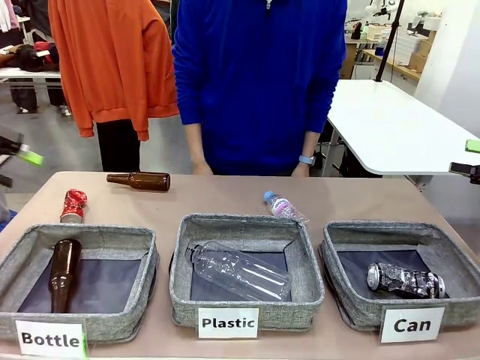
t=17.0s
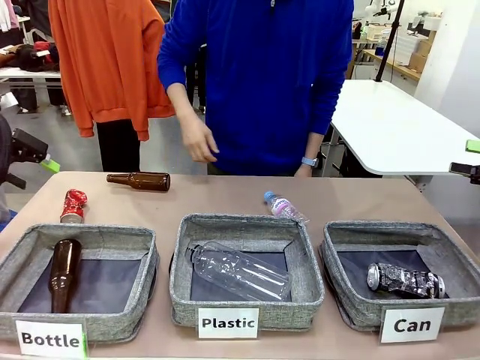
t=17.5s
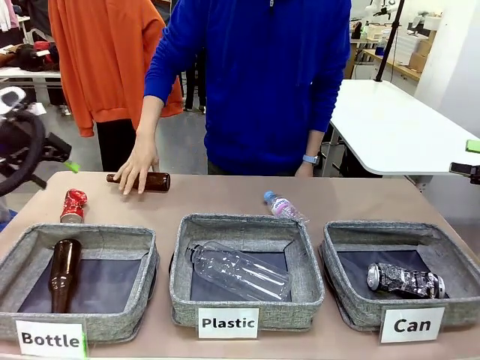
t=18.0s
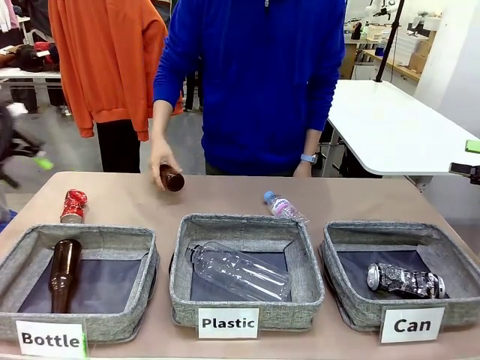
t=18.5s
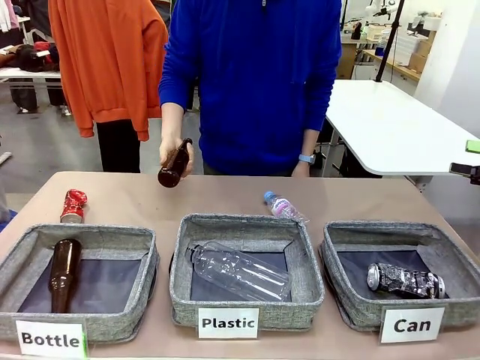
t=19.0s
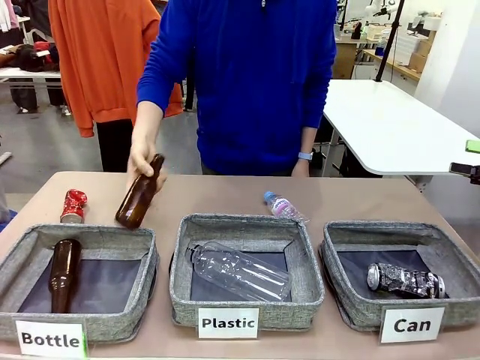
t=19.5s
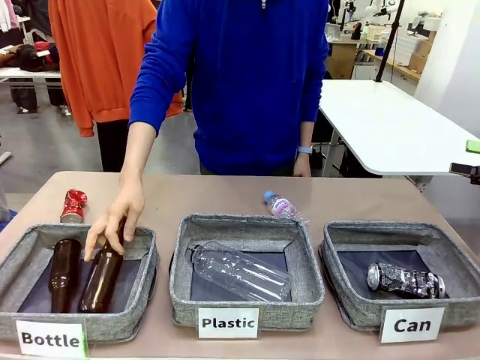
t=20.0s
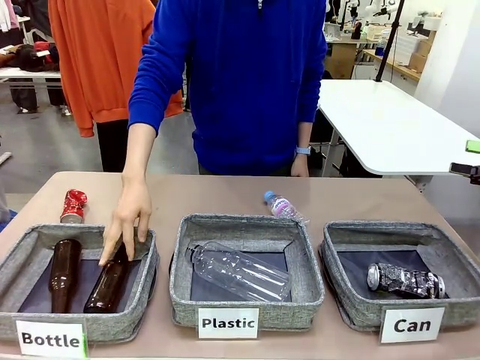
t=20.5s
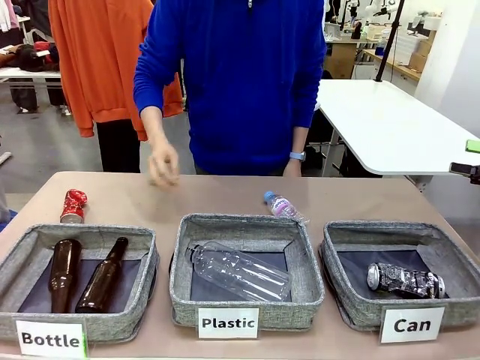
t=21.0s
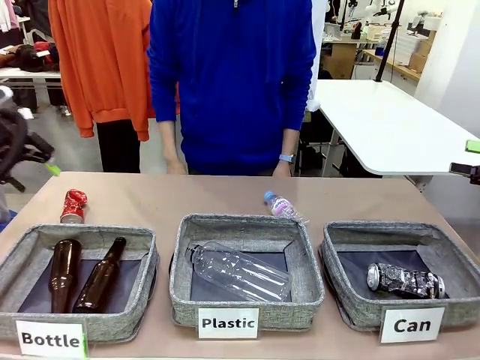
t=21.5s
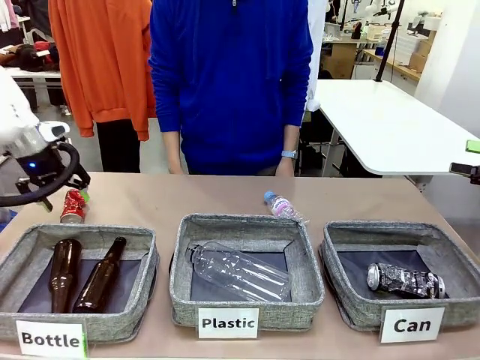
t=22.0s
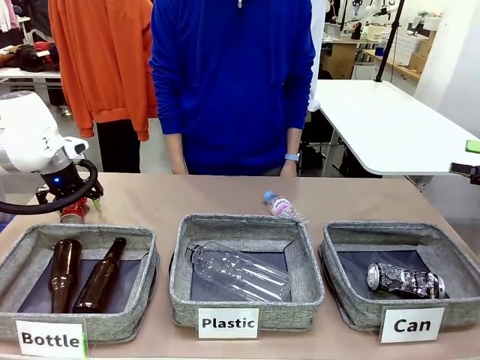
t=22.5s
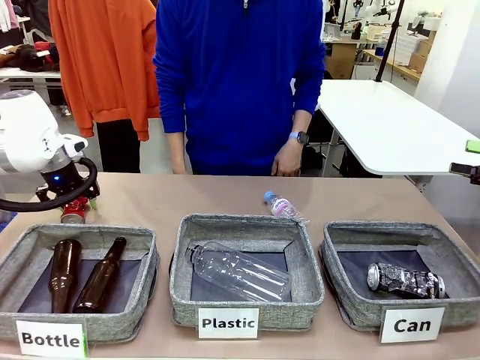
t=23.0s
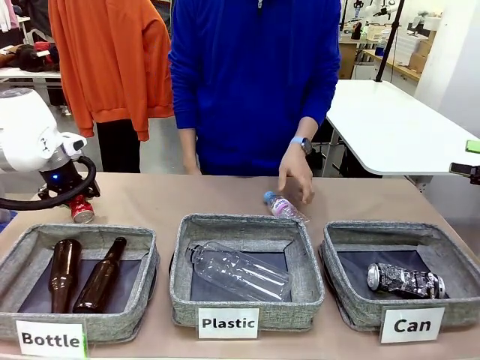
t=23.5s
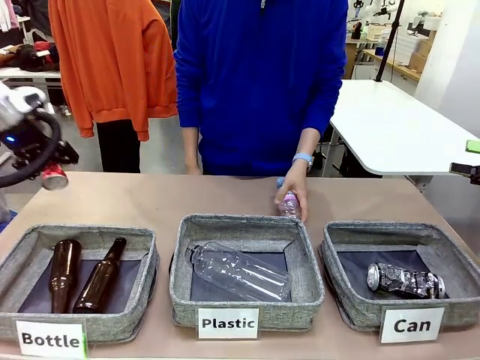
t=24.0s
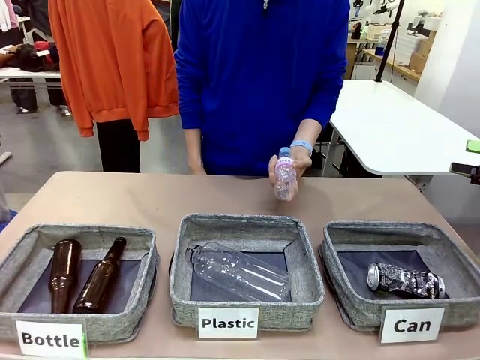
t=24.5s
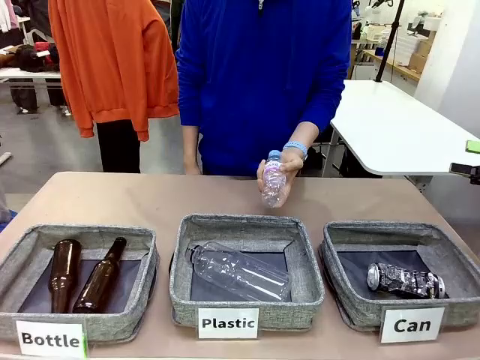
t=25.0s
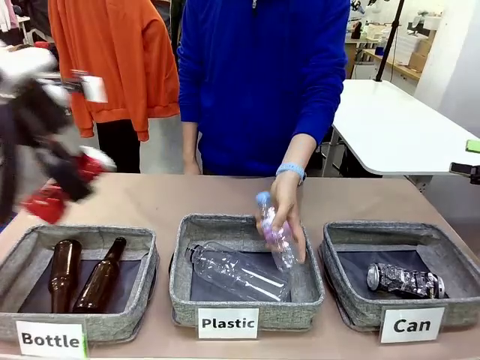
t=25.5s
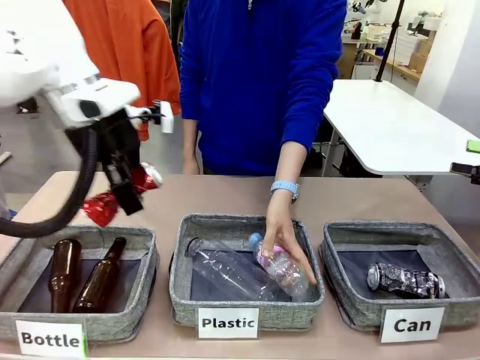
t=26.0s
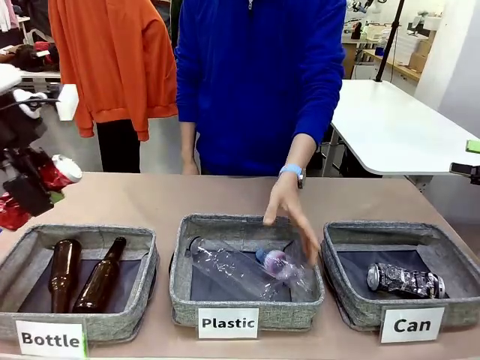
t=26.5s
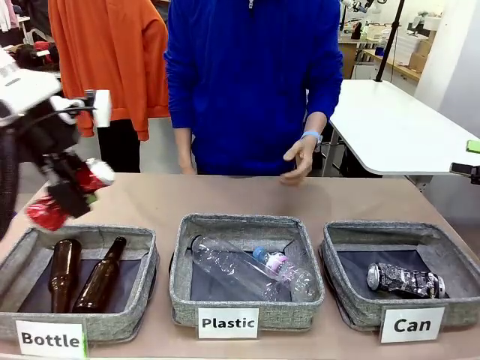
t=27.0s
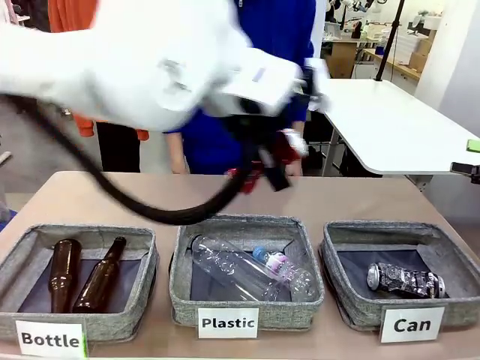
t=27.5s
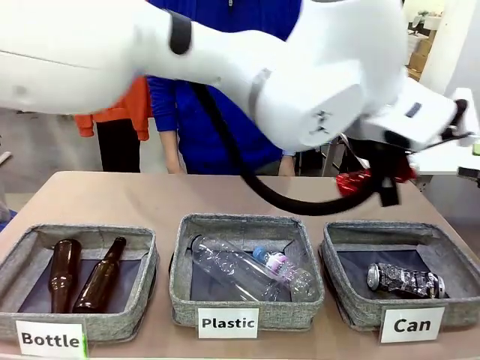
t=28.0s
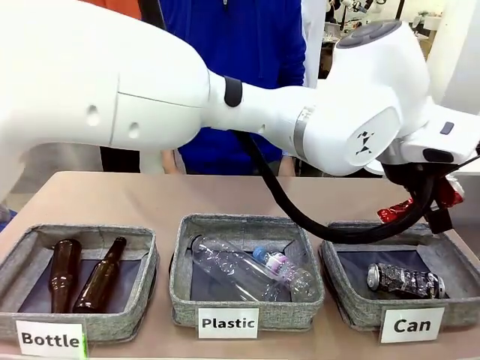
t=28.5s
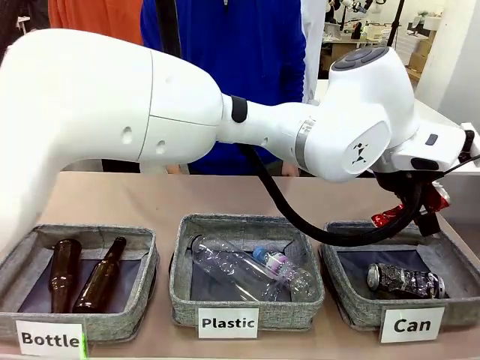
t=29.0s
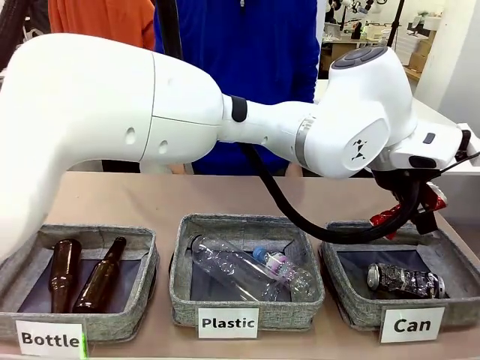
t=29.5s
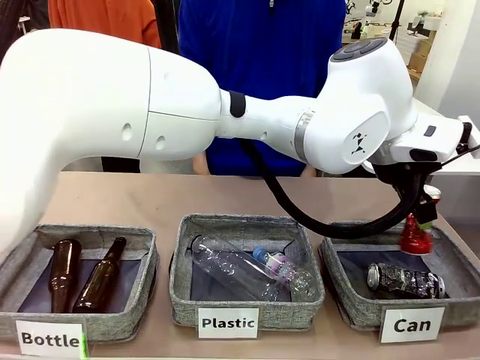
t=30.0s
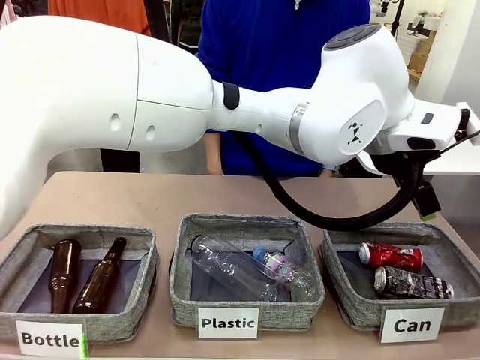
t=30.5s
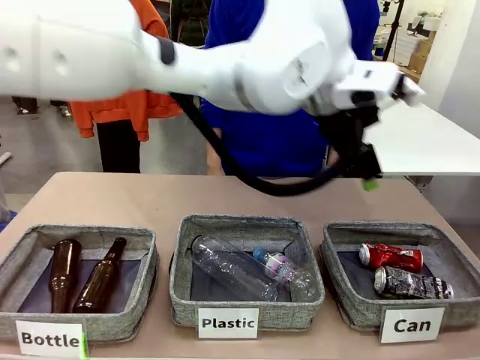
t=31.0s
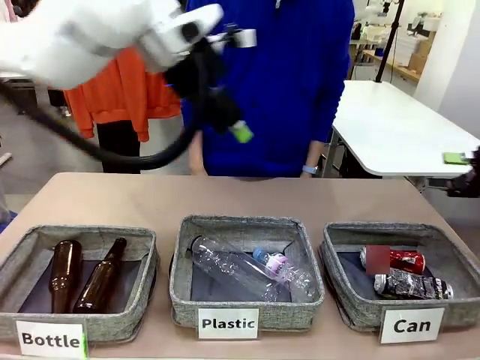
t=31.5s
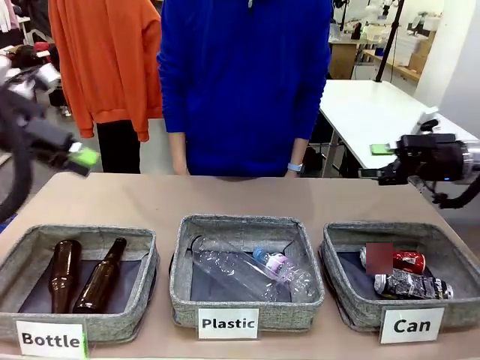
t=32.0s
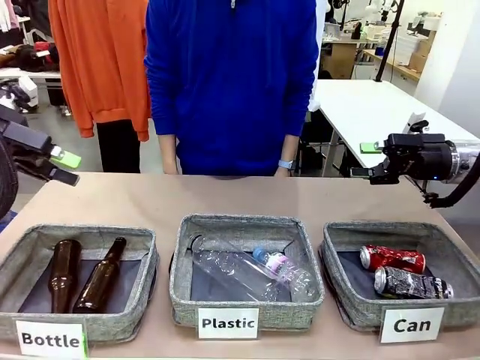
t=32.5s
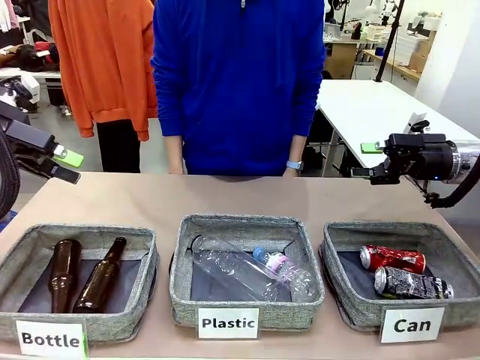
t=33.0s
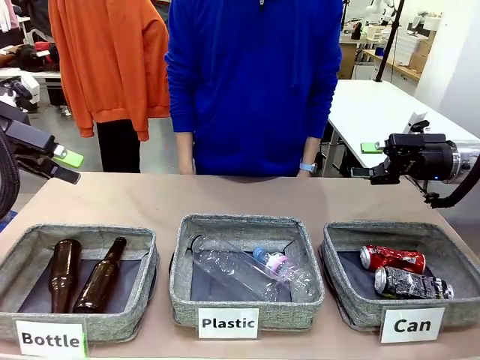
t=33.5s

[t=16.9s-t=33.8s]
Task: Sort the can waste into the basket.
Robot: Pick up the can waste from the table and place it in the right Fabric basket.

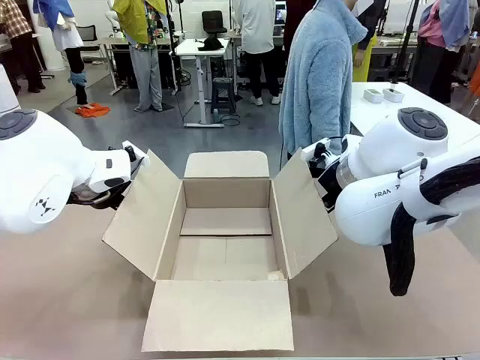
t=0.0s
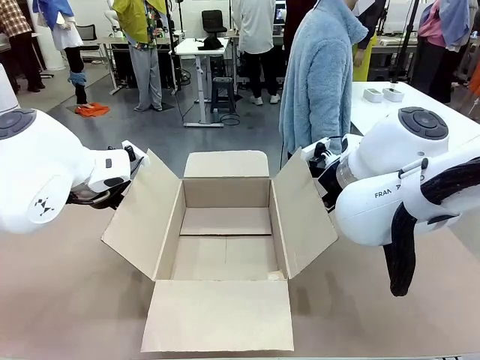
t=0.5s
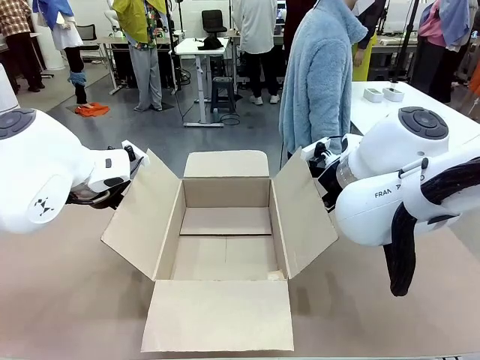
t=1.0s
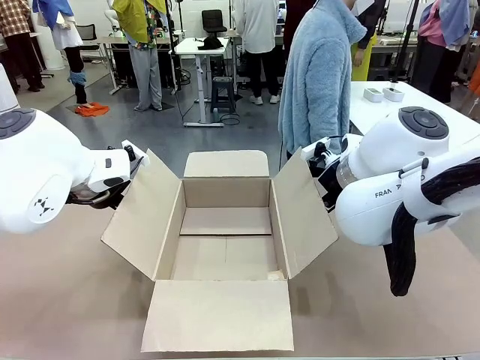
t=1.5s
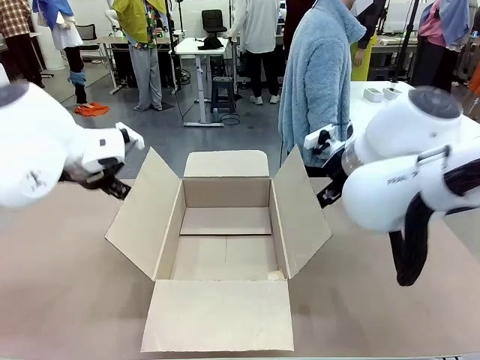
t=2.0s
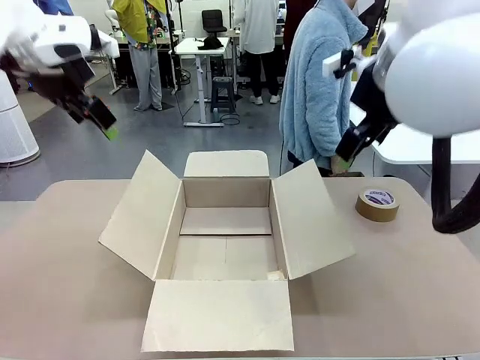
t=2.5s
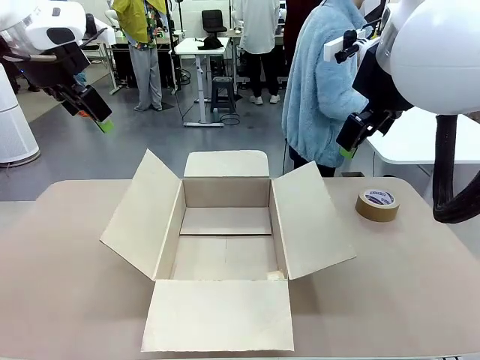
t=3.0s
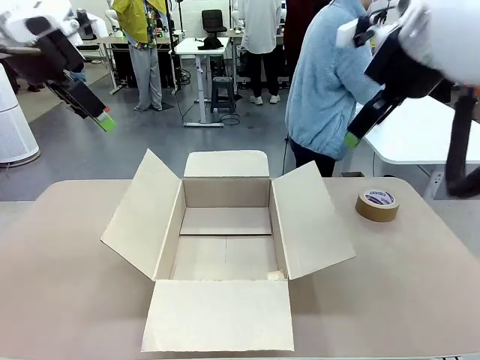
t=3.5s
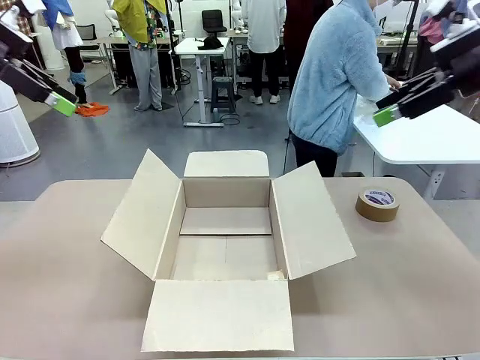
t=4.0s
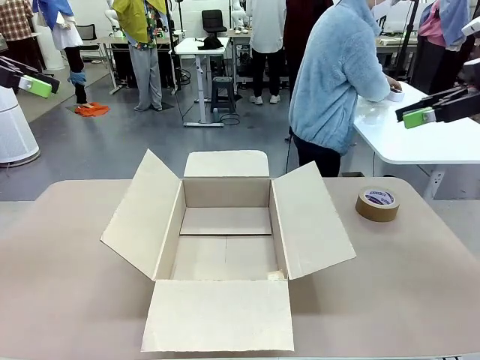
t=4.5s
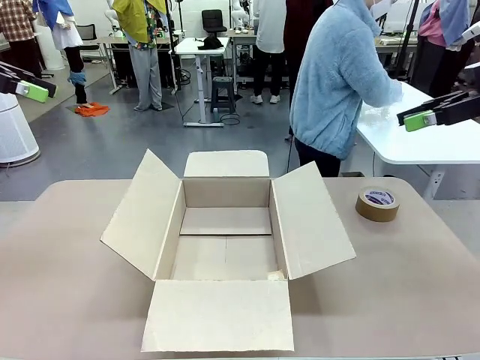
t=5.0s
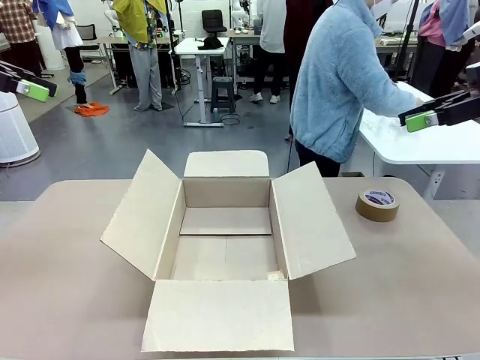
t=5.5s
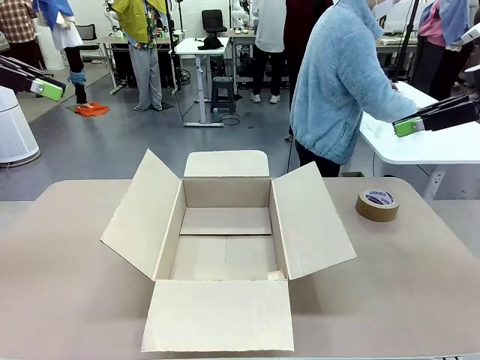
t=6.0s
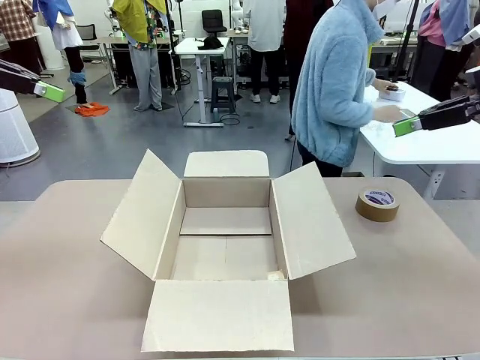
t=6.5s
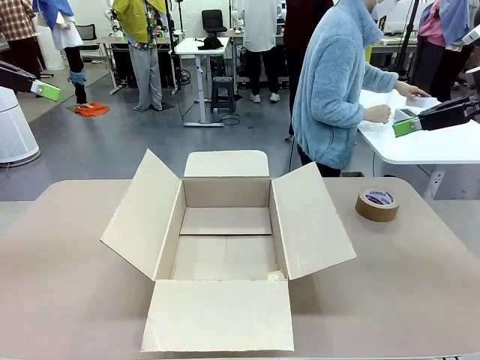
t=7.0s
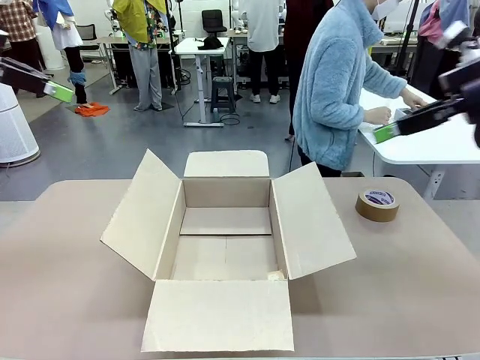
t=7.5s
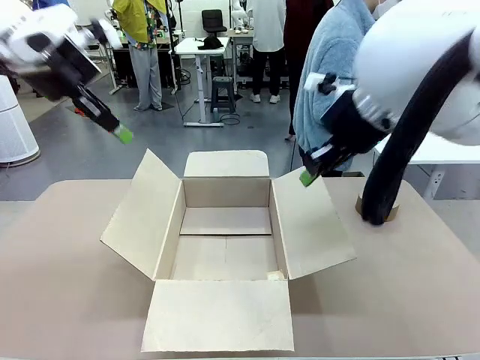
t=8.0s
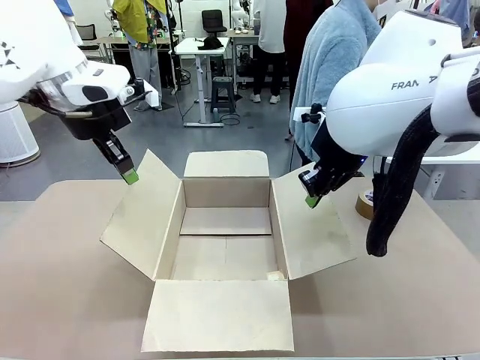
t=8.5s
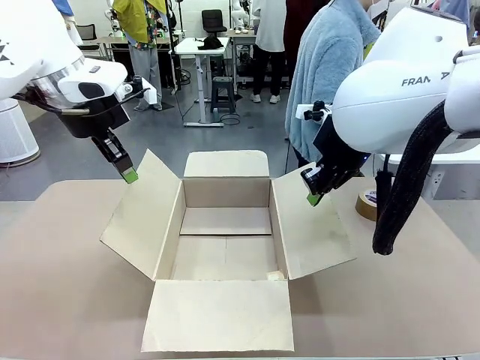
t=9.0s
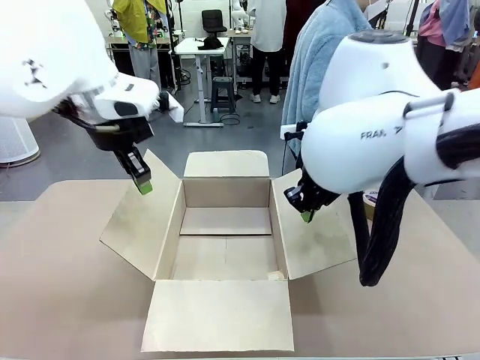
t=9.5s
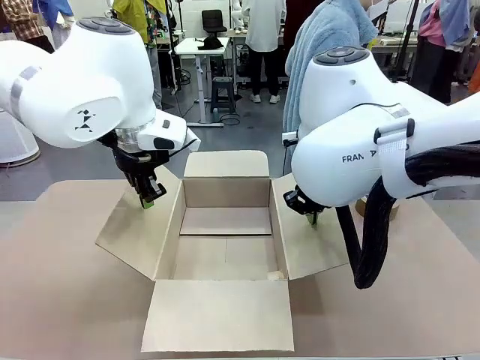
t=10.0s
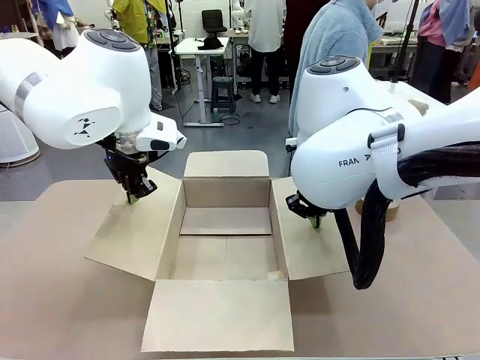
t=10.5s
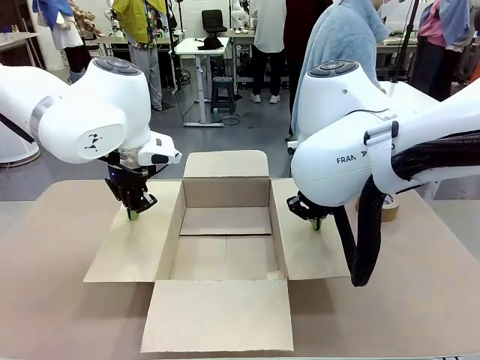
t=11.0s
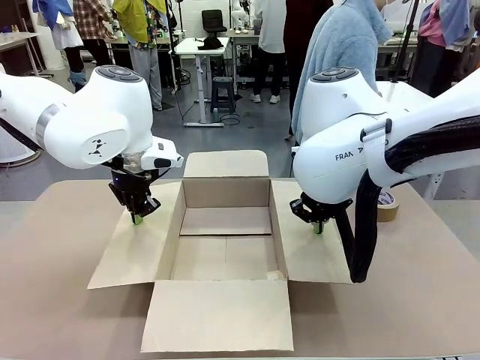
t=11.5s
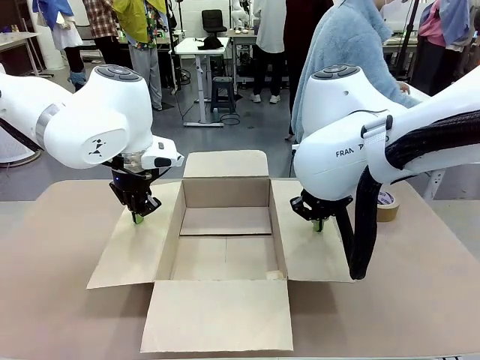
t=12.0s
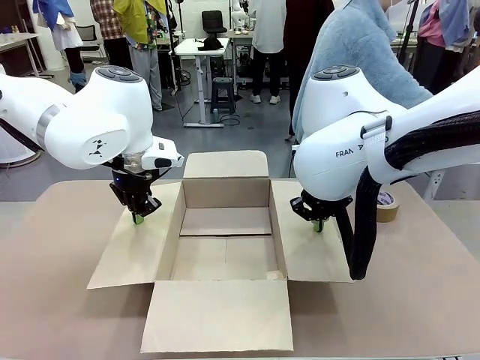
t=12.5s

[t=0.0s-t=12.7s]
Task: Wrap the clocks to prevent damage.
Robot: Open the side flaps of the Package Box.
Person: Wrap the two Digital clocks with Bubble Wrap.
